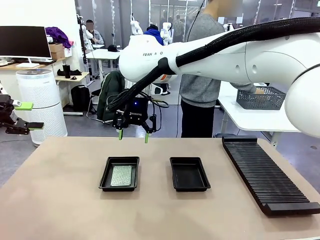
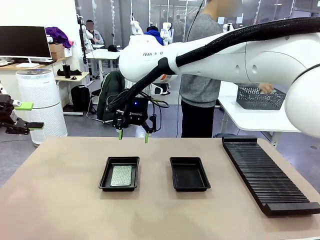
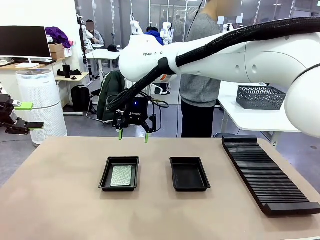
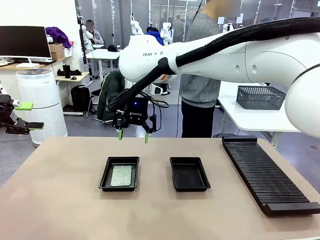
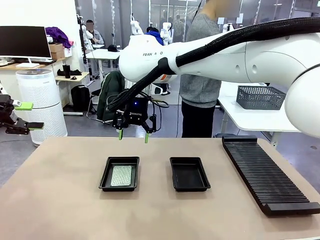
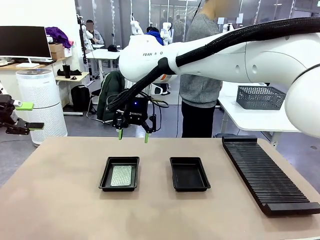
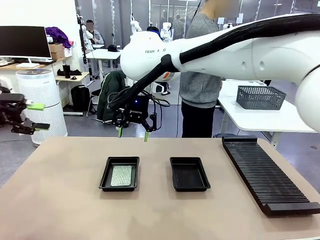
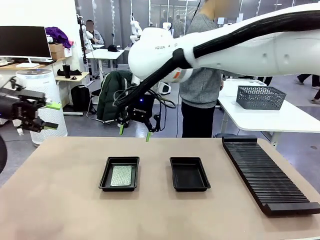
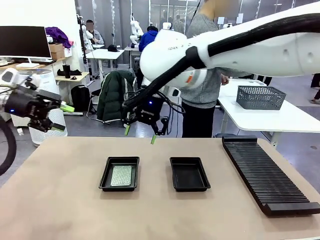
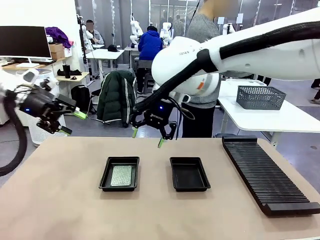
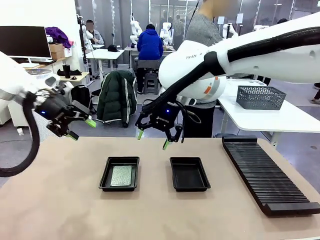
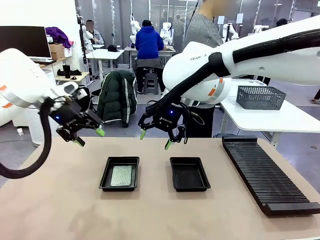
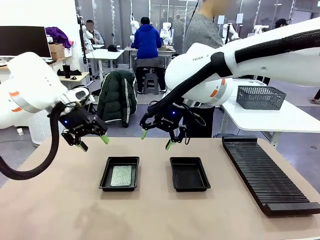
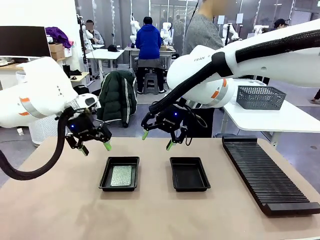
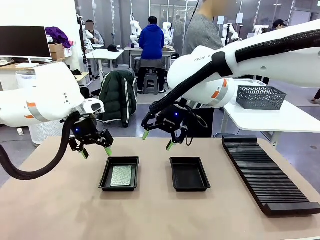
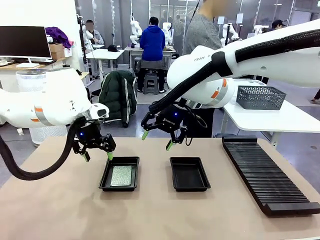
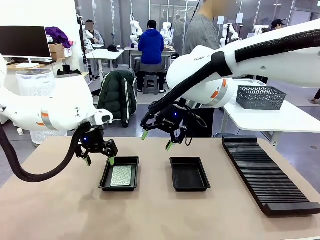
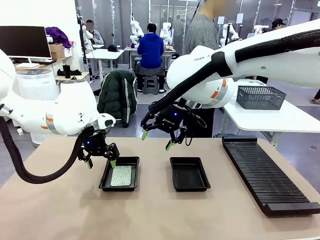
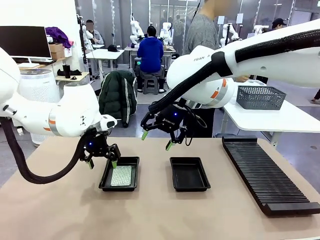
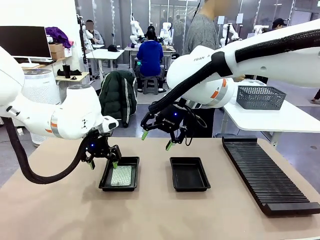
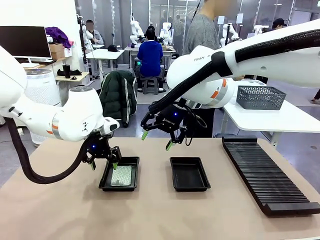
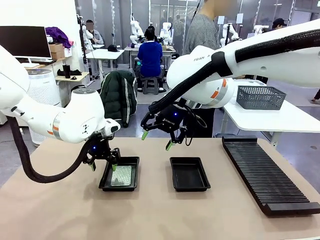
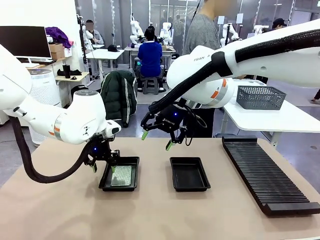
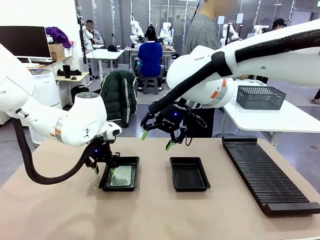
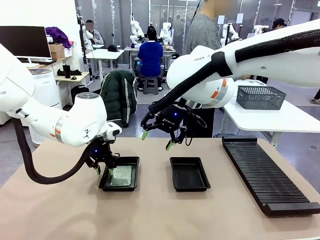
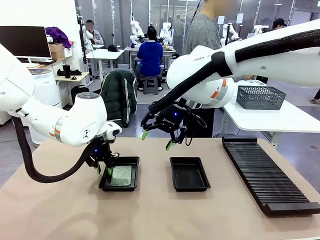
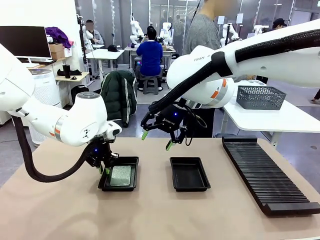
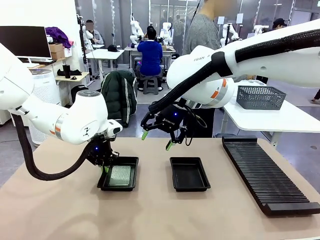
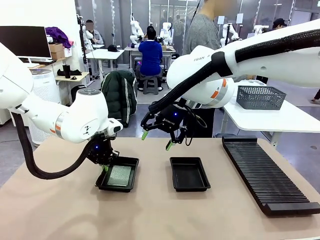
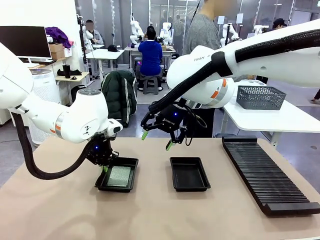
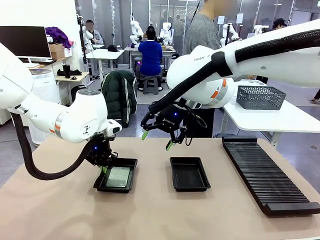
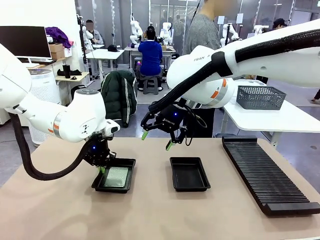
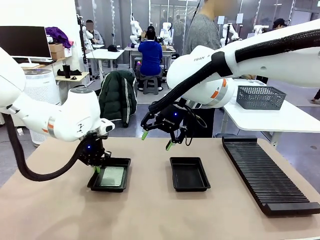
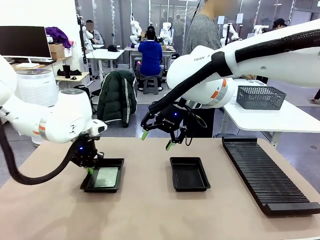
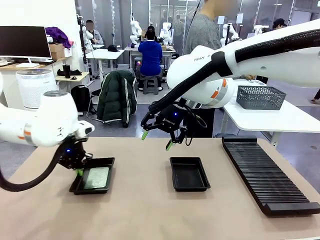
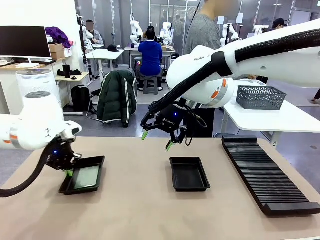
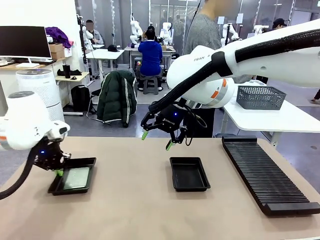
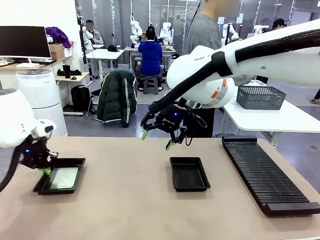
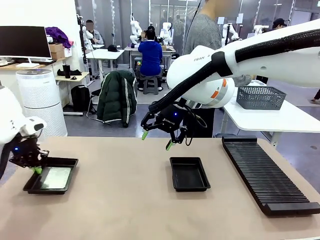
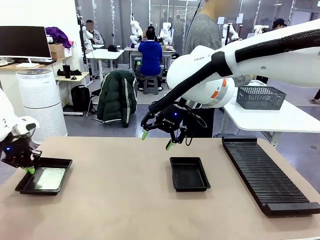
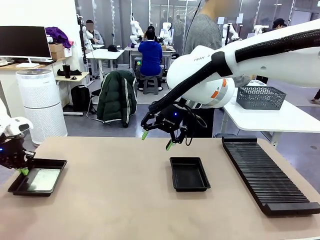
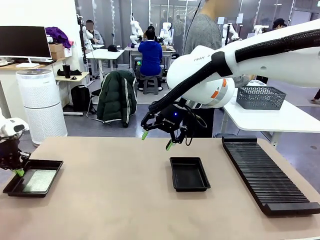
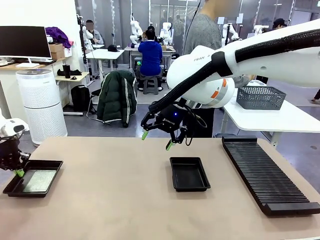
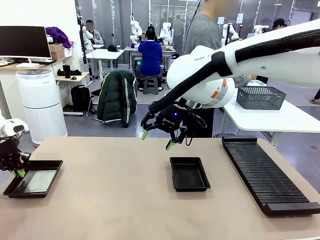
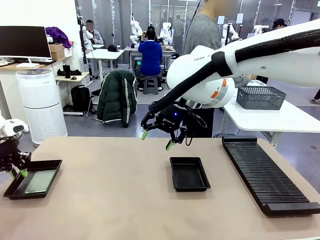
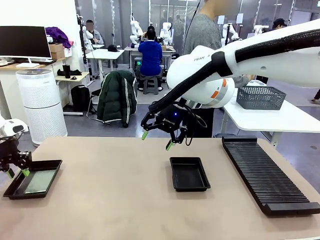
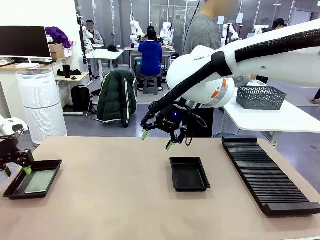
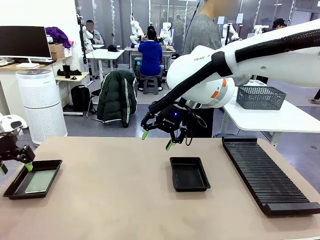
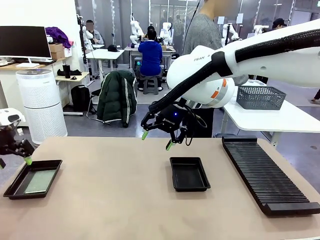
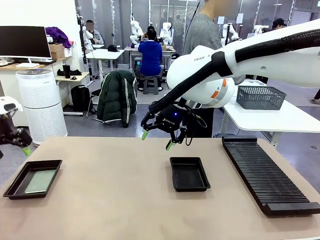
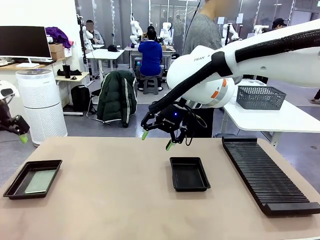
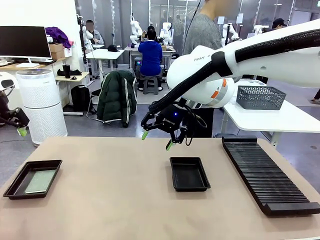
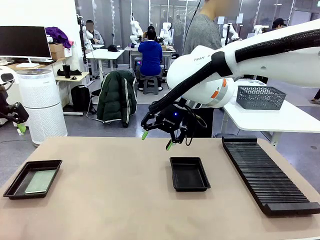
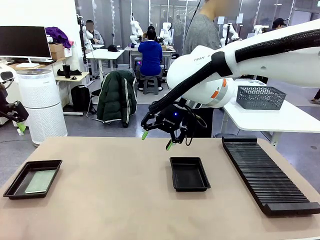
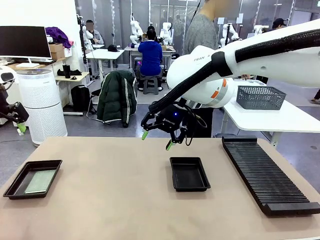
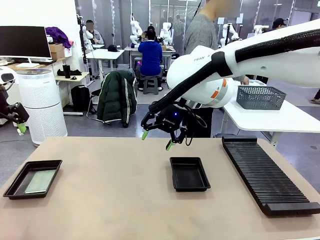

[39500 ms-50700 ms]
Task: Inspect and transfer BCBs to ESD trays.
Robot: Pick up the ESD tray and place it on the left side of the table.

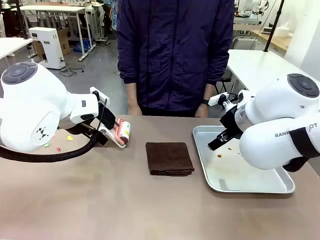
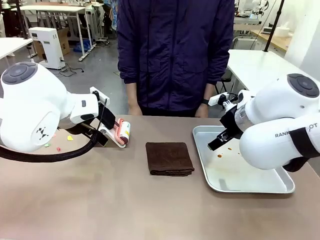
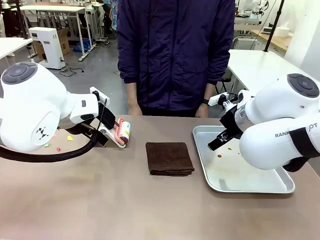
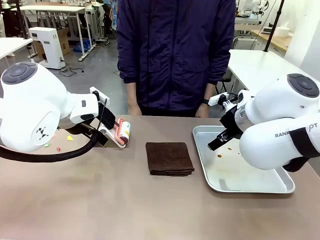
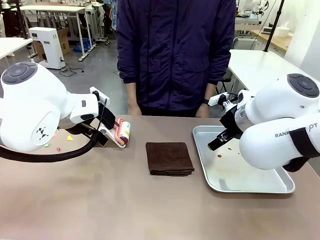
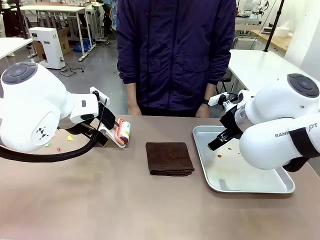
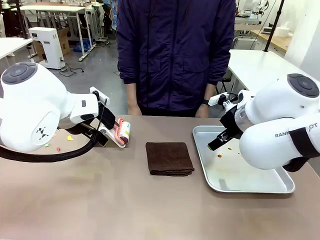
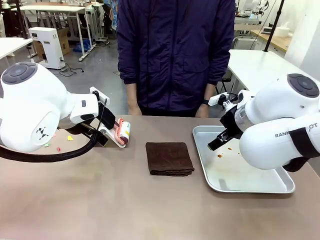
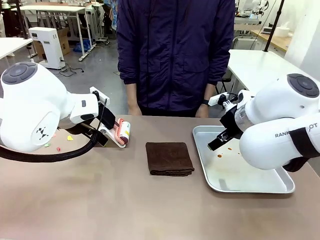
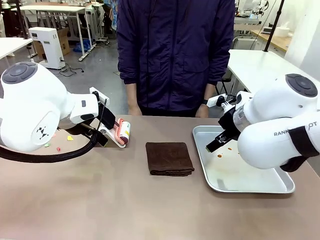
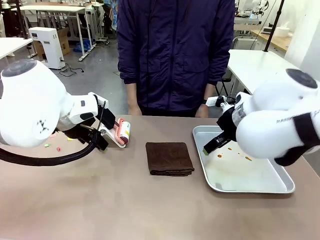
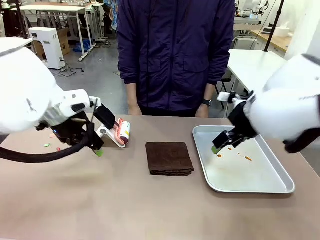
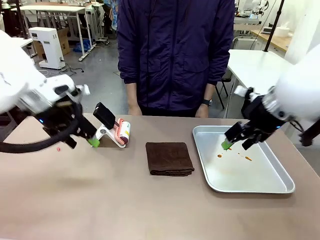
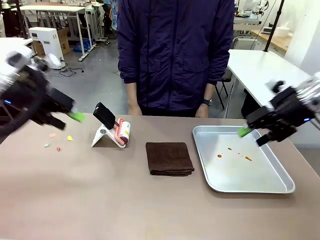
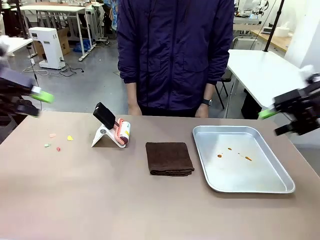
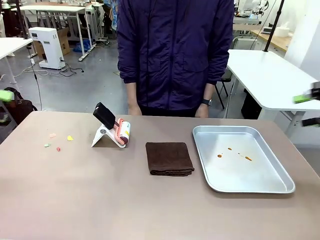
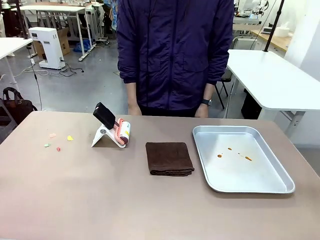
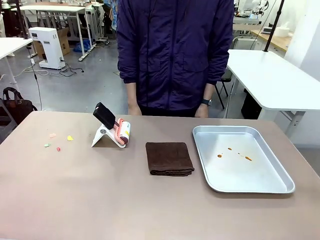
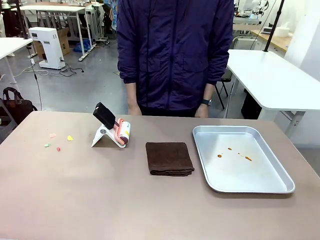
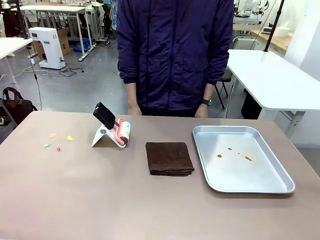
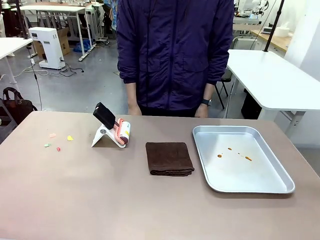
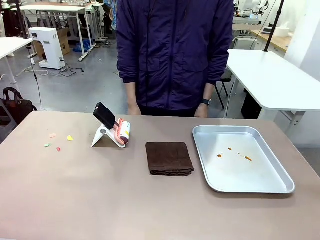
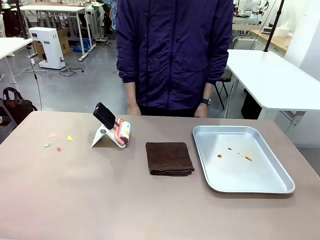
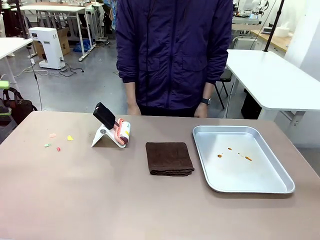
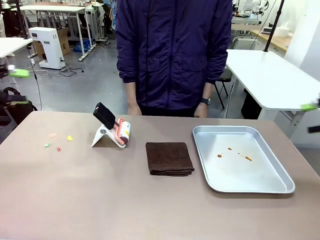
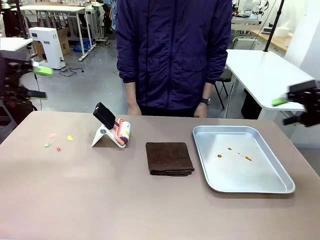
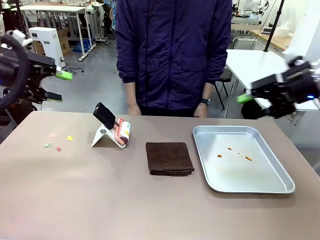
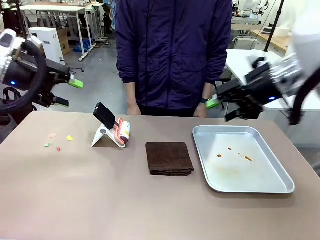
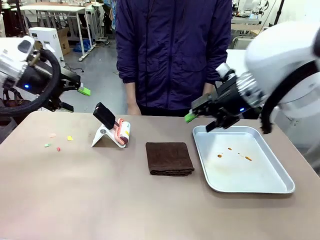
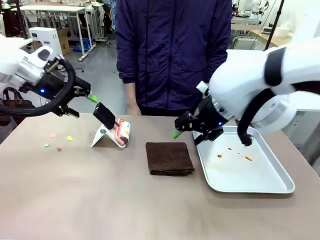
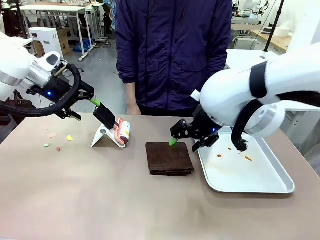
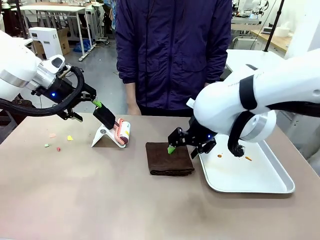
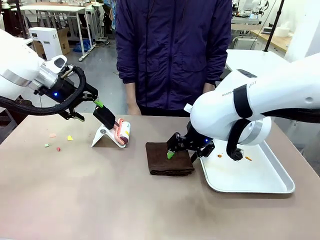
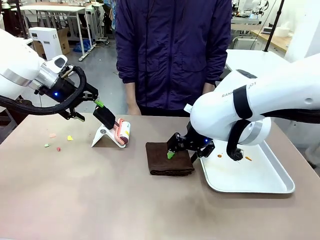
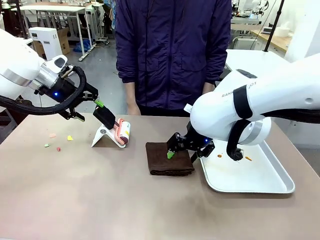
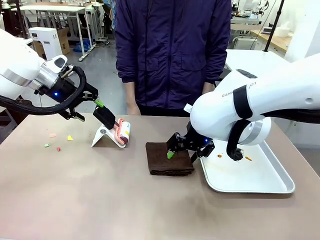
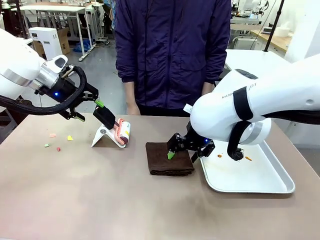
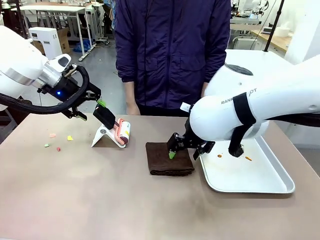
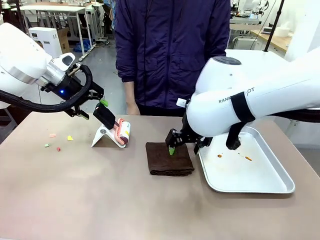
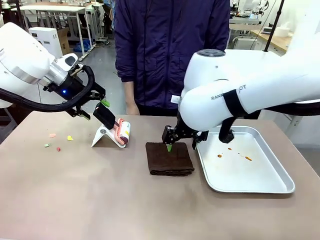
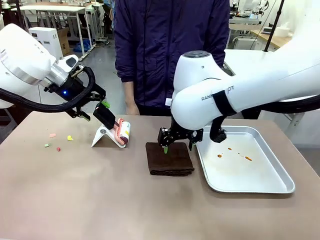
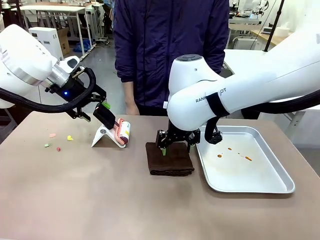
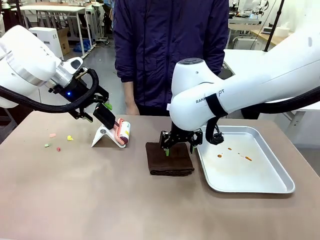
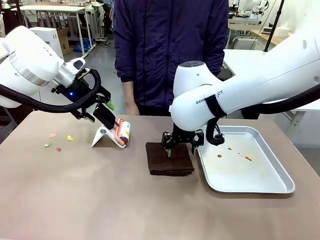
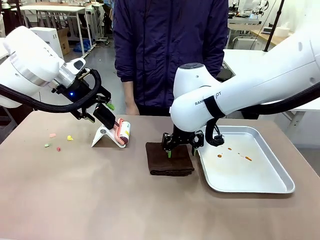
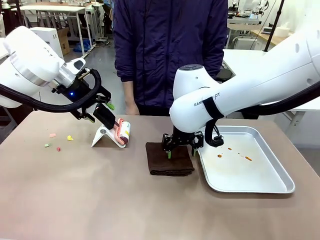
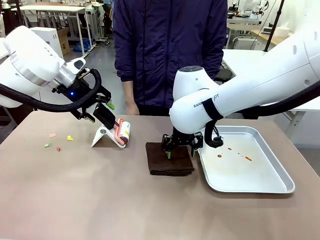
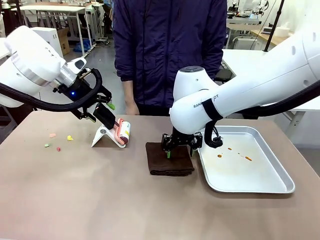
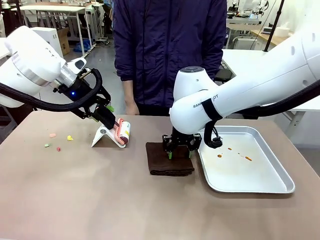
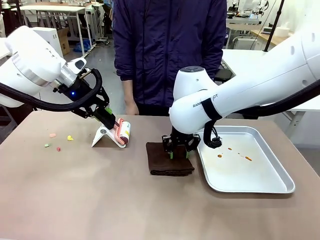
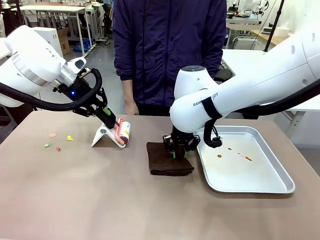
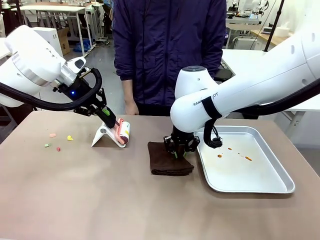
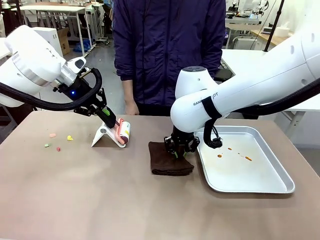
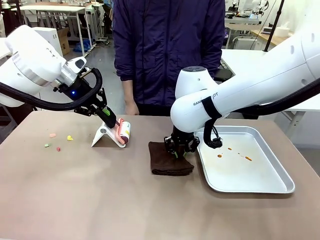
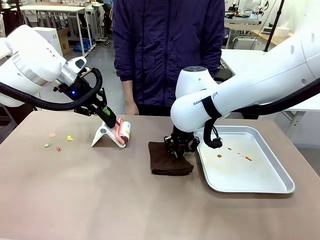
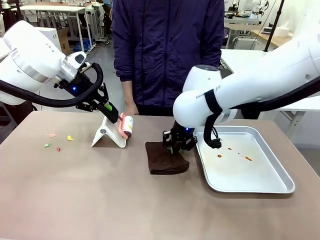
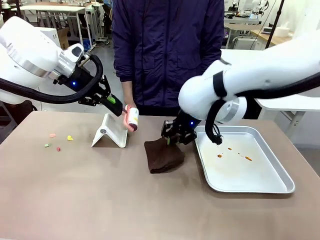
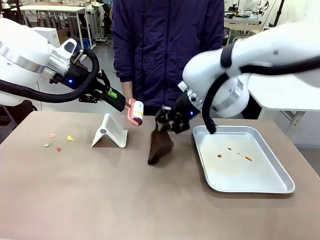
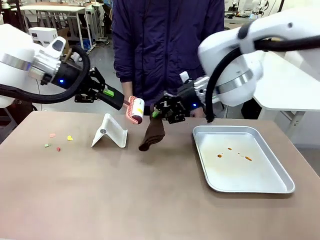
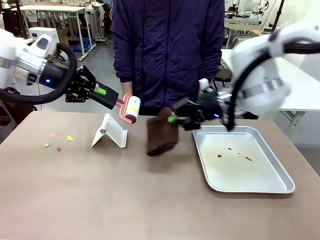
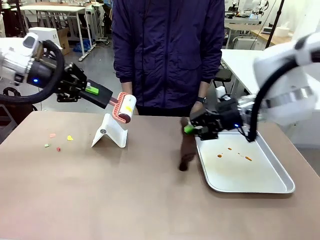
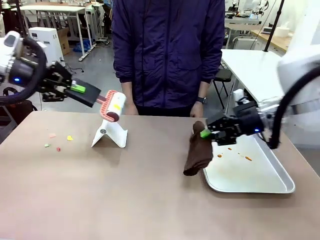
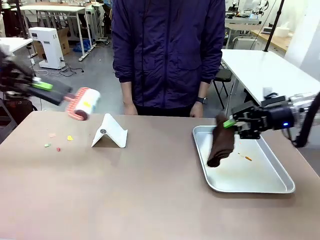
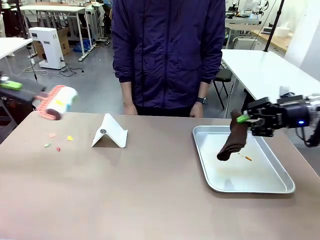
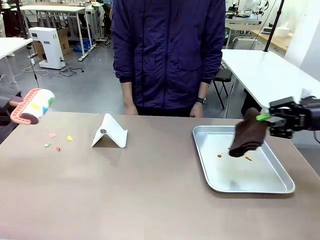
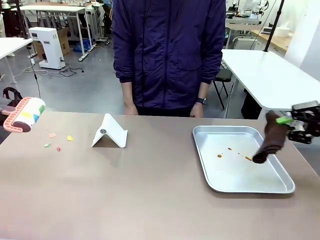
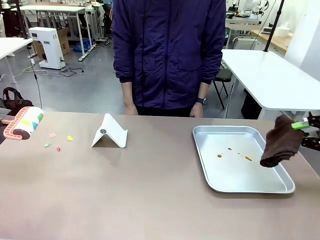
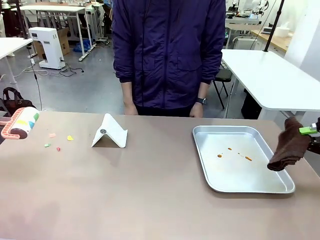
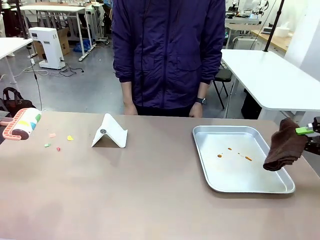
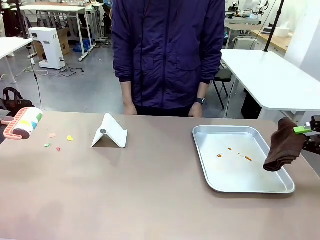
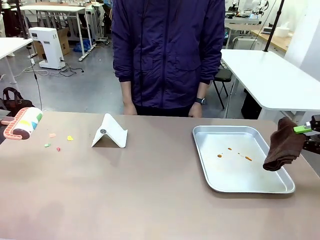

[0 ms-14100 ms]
Task: Clean the surface of the table.
Robot: Hold the Lint Roller with your left hand and the towel with your right hand.
